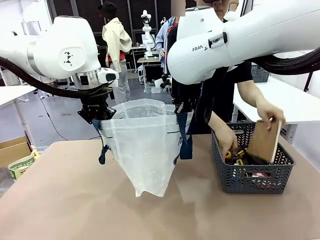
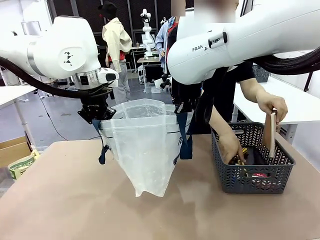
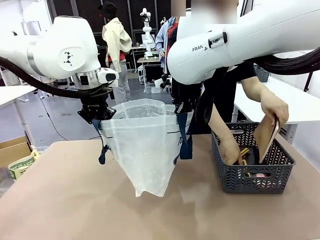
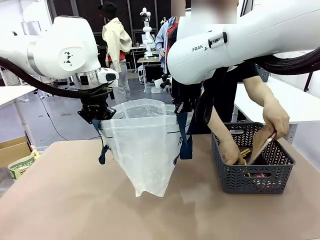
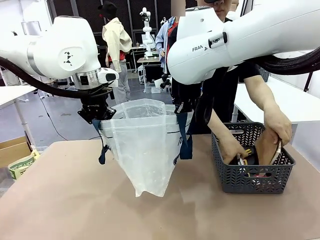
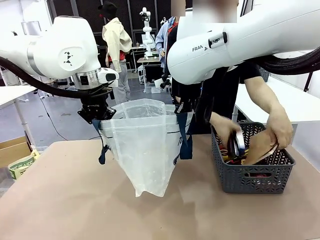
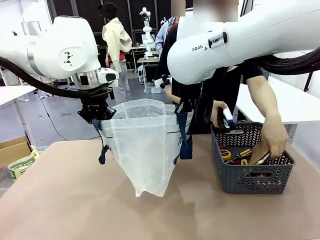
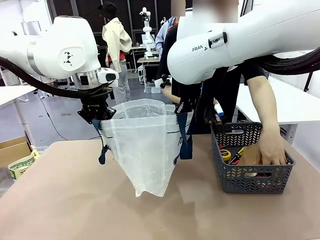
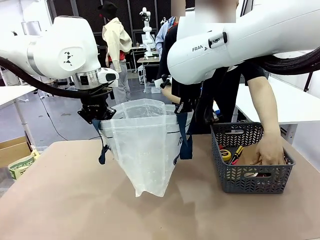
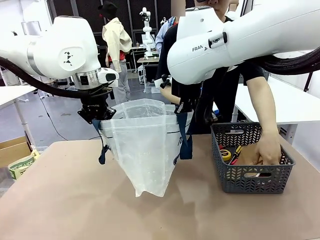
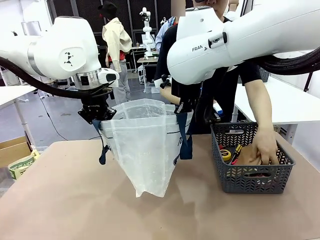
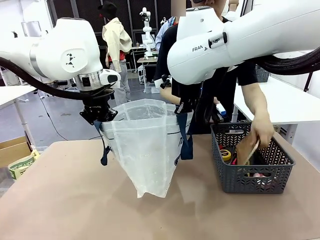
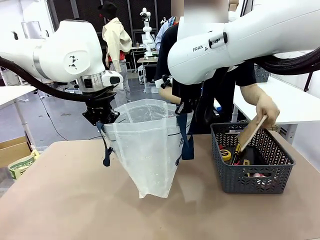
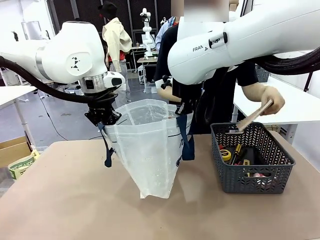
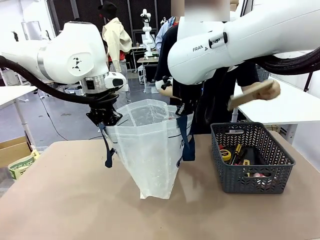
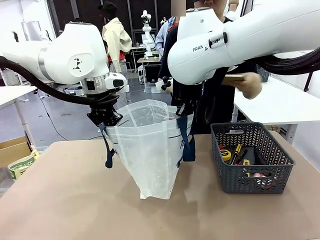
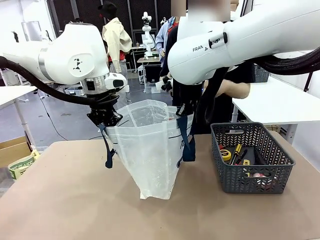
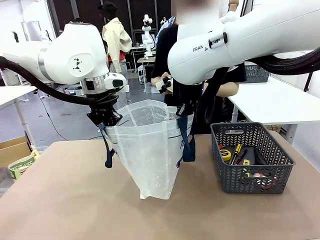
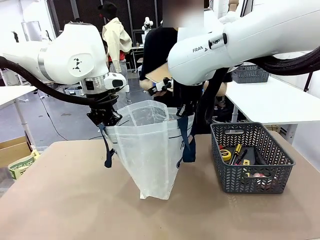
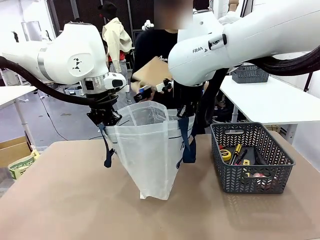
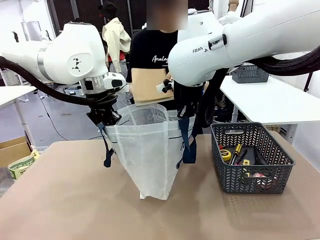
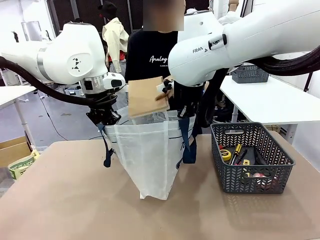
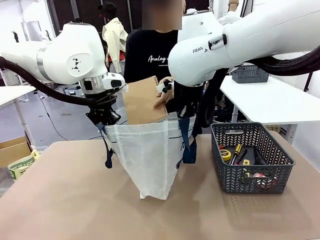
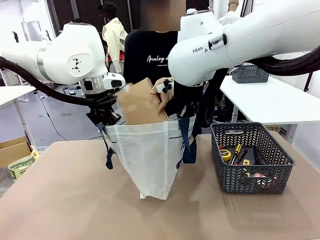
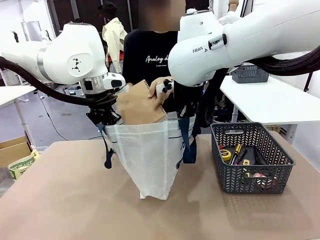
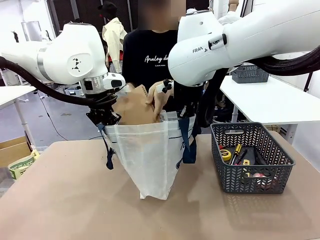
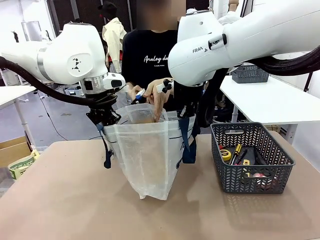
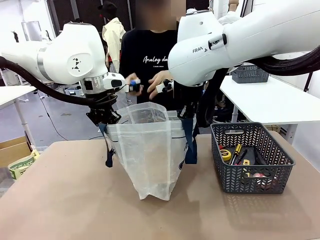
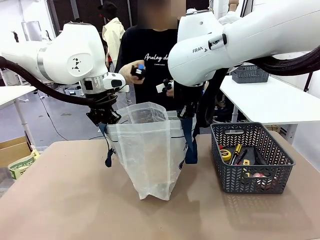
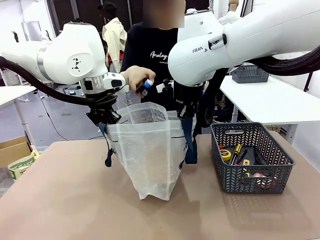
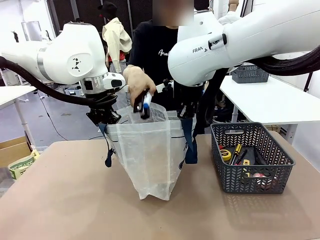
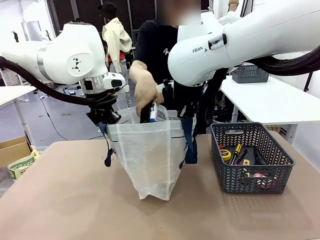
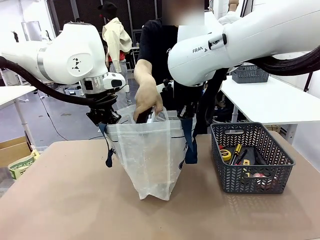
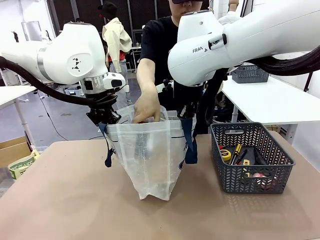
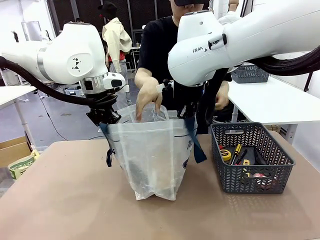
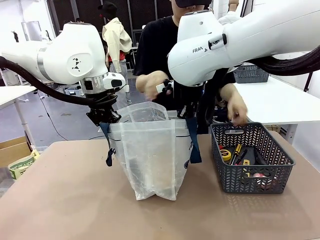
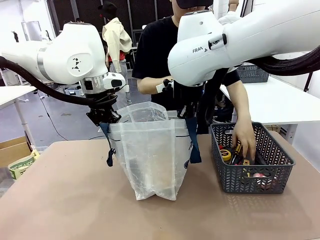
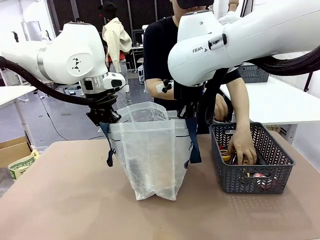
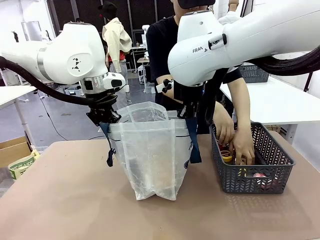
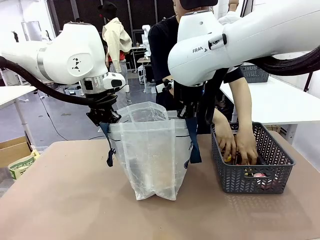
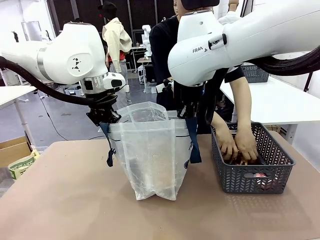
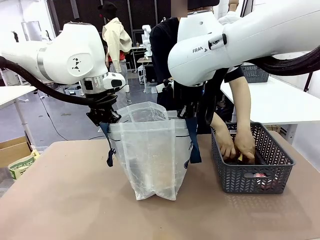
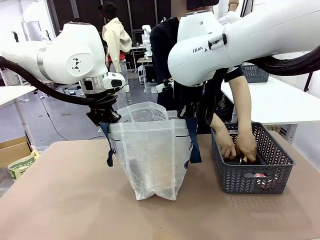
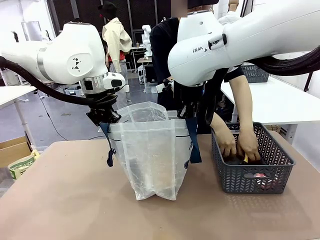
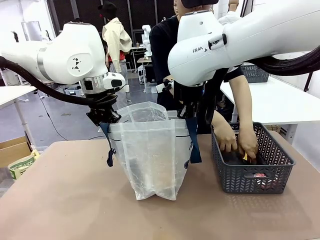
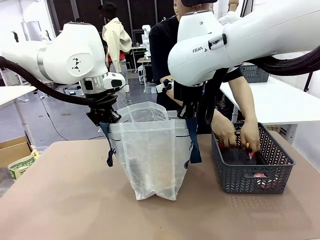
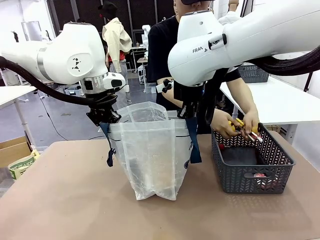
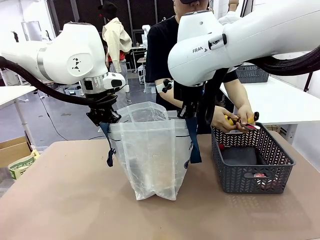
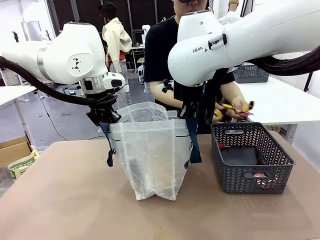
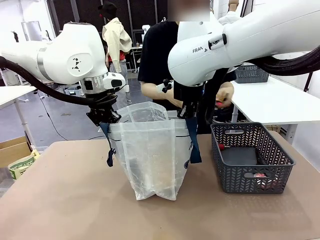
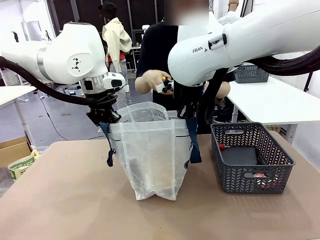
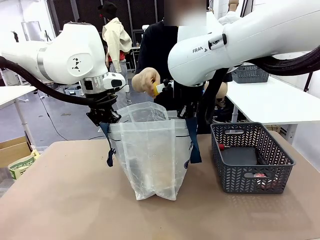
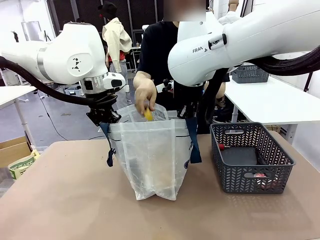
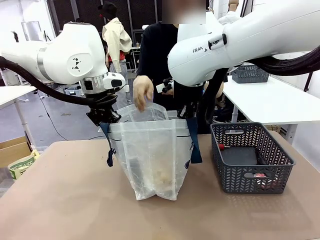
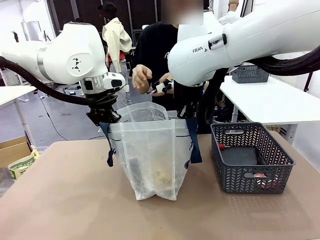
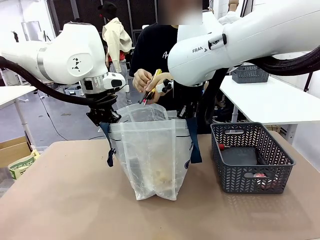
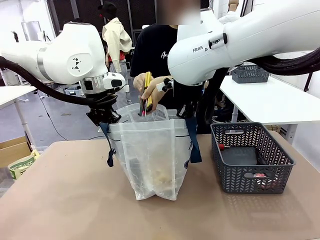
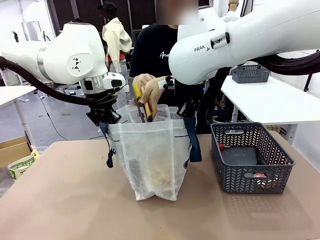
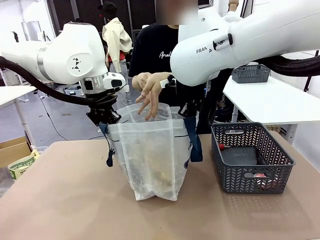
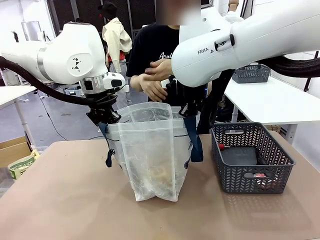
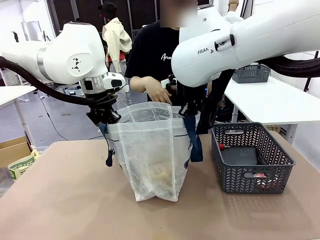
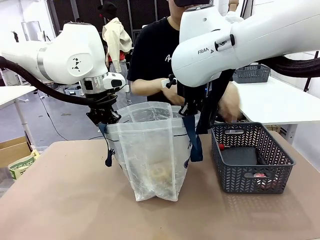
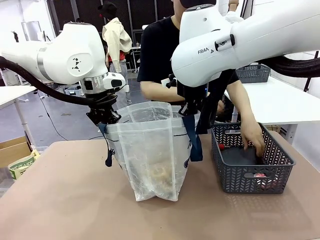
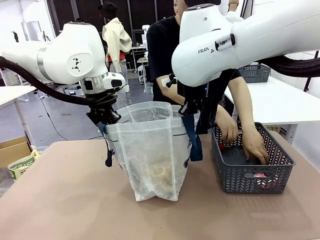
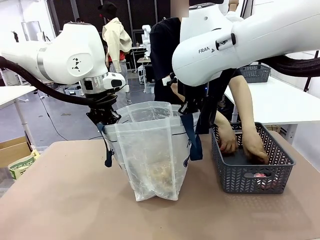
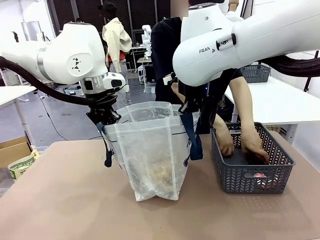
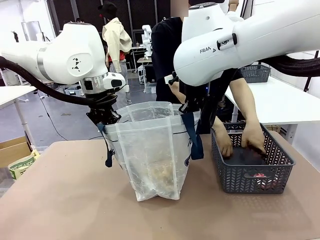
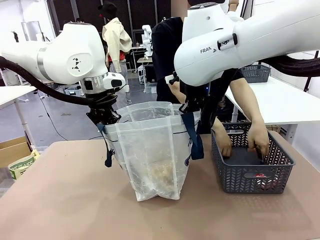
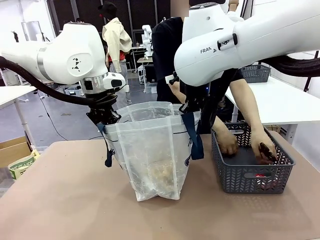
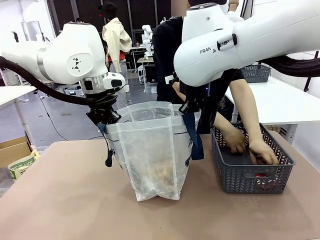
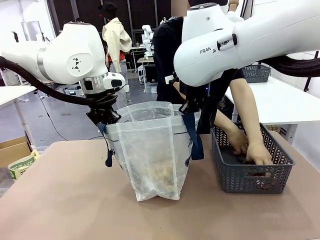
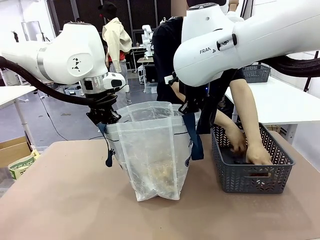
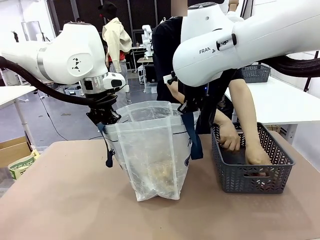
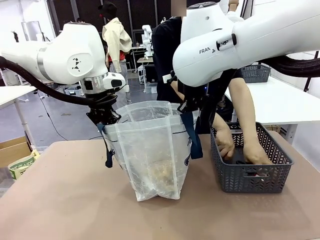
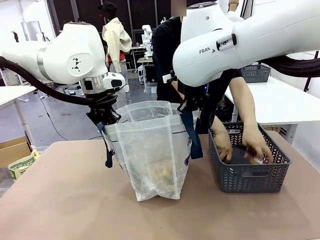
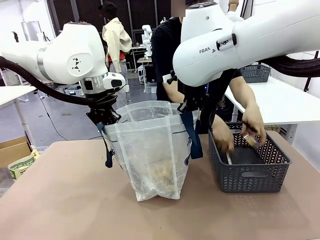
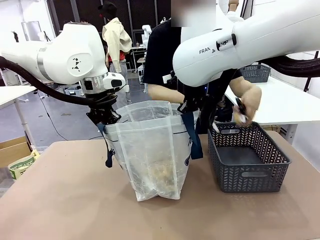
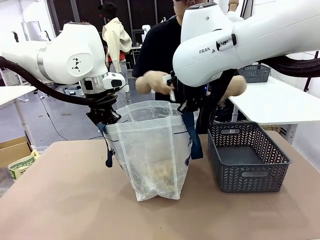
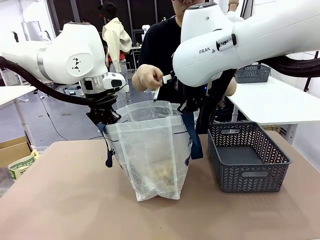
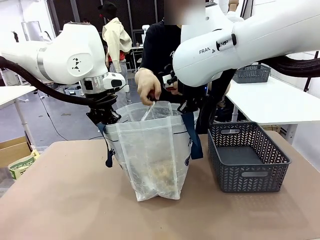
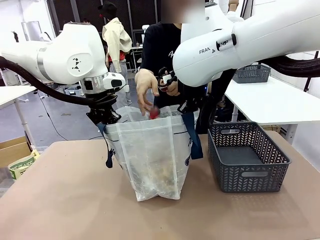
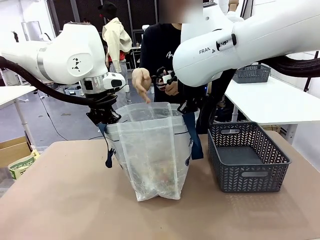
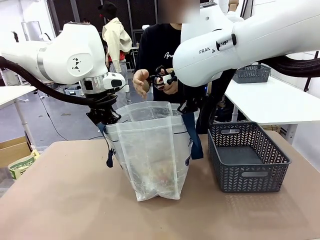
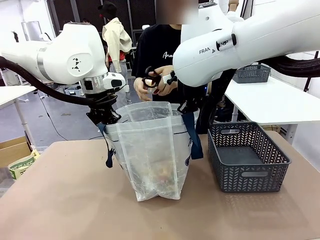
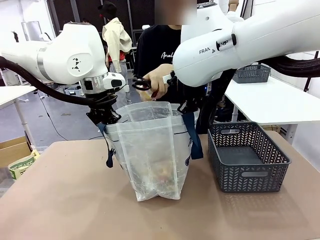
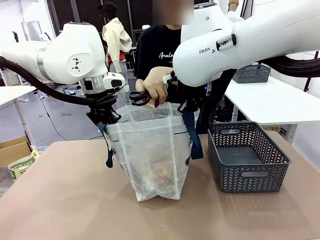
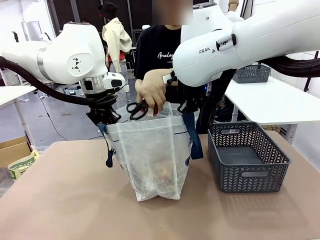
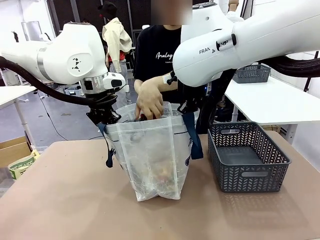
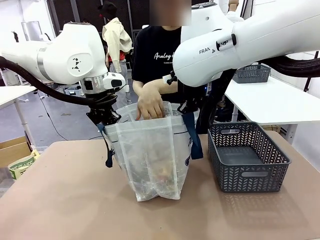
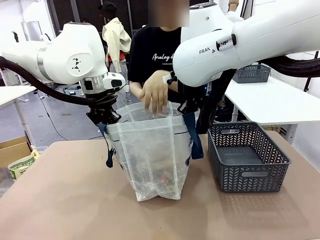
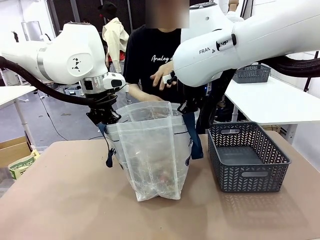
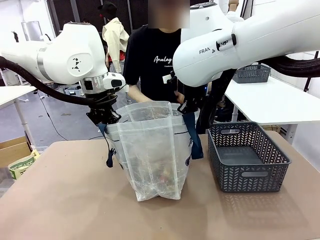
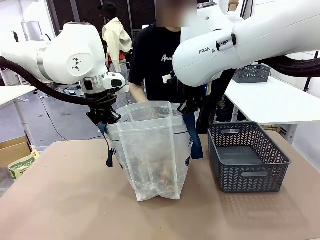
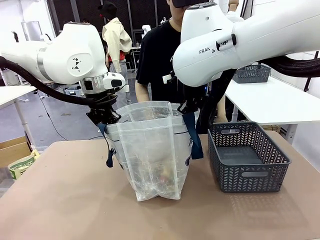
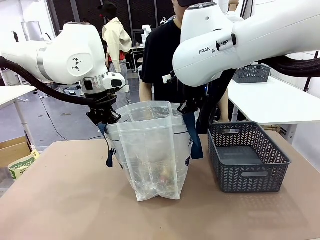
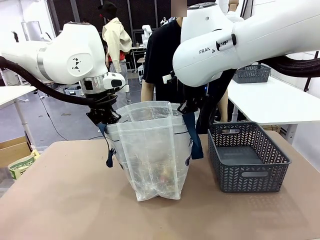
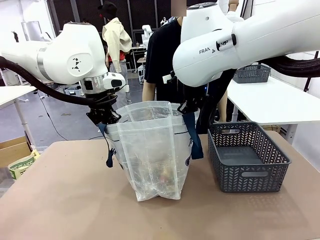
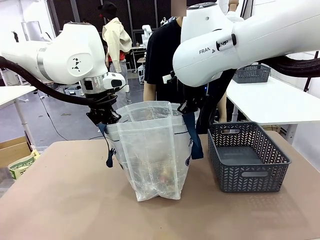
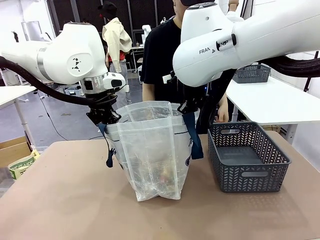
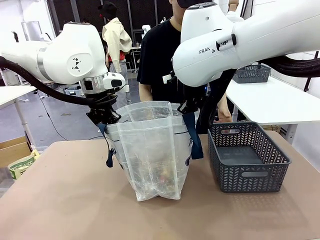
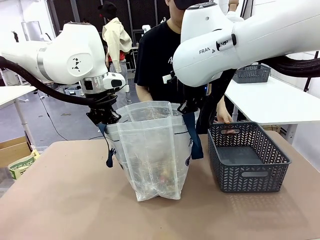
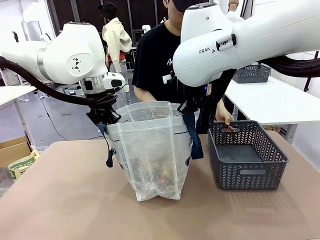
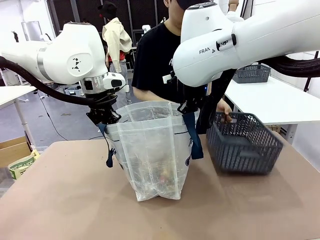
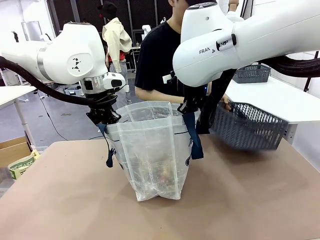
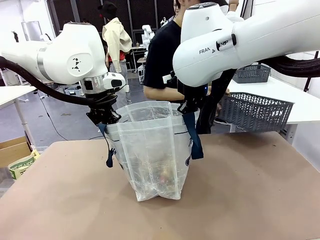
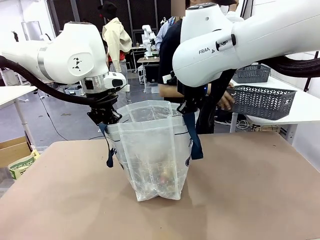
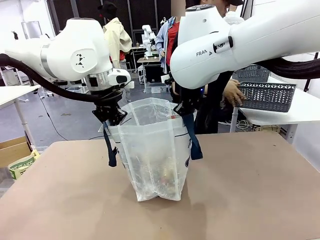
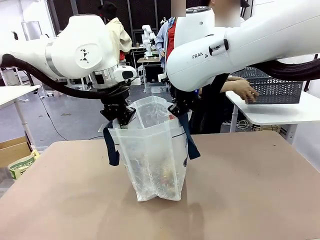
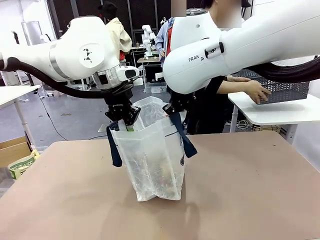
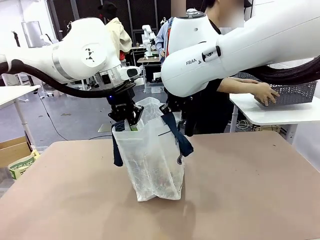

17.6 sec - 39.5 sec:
Task: Transfer purchased items from the store into the shopping bag.
Robot: Move the Reusable shopping bag to the right side of the table.
Person: Pick up the basket on the right, place it on the left side of the robot table, and move the items in the basket to the shopping bag. Pick up the basket with the items out and place it on the right side of the human table.
